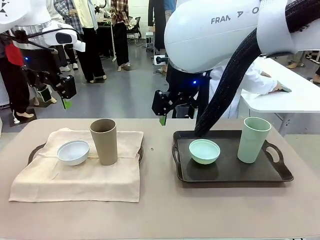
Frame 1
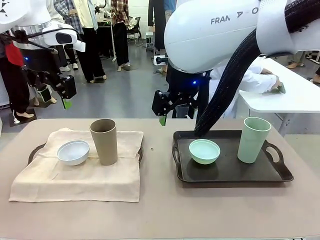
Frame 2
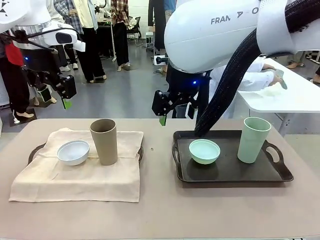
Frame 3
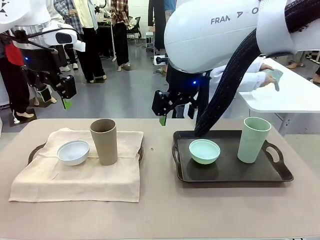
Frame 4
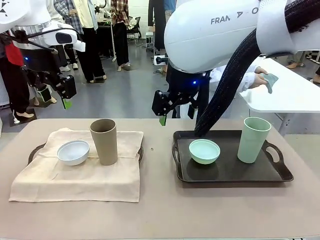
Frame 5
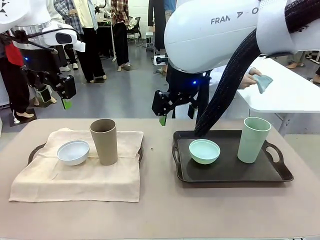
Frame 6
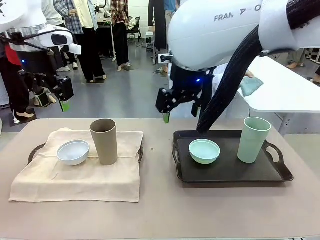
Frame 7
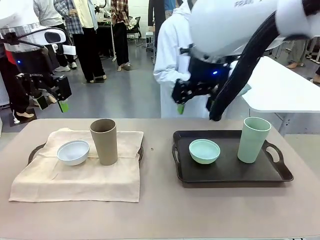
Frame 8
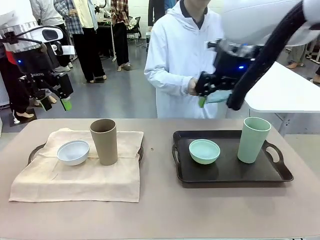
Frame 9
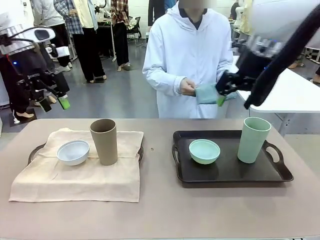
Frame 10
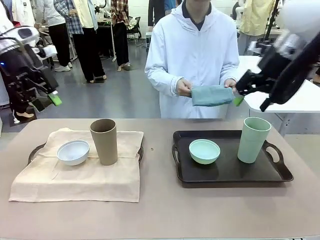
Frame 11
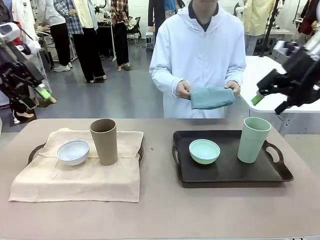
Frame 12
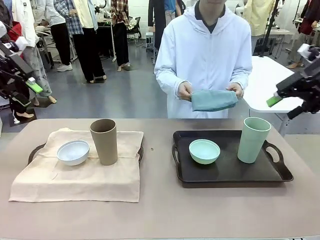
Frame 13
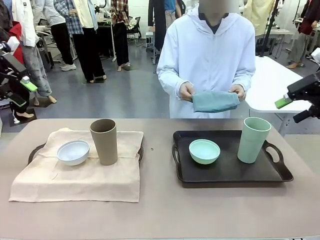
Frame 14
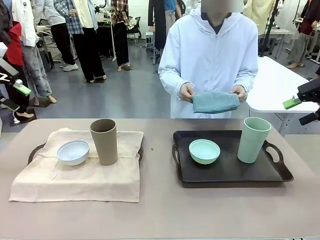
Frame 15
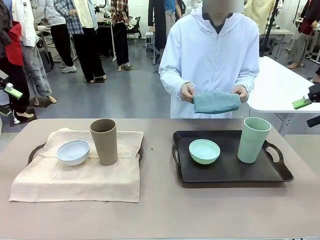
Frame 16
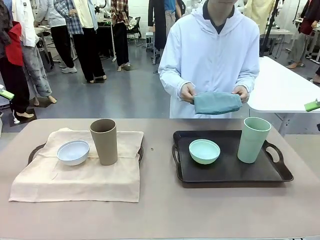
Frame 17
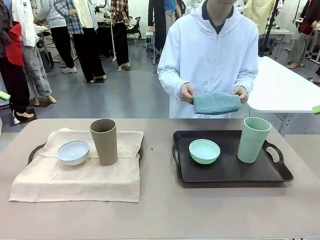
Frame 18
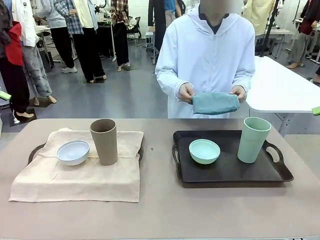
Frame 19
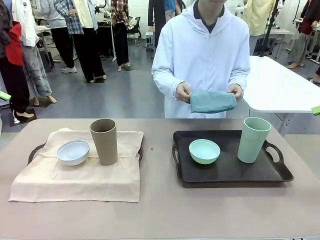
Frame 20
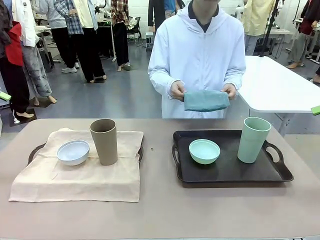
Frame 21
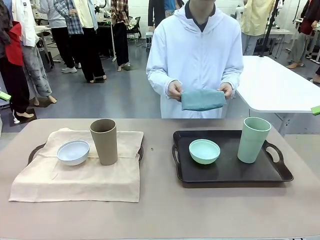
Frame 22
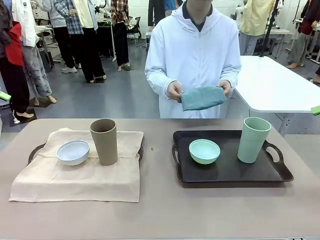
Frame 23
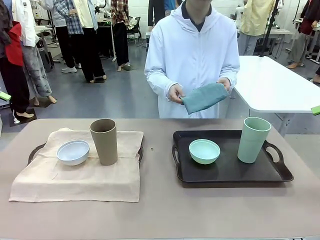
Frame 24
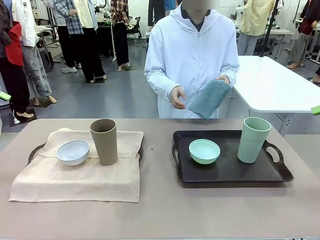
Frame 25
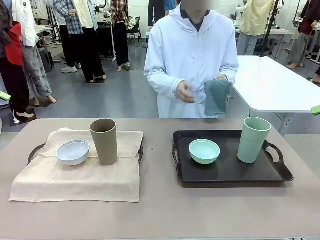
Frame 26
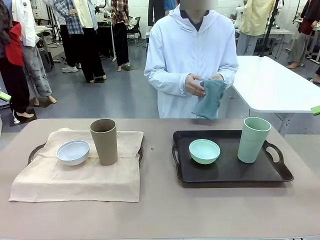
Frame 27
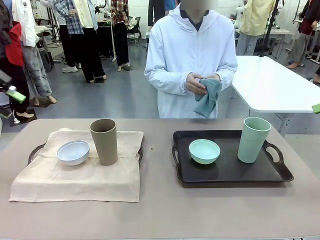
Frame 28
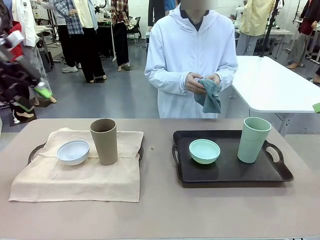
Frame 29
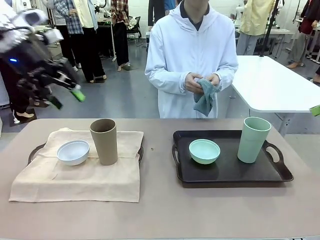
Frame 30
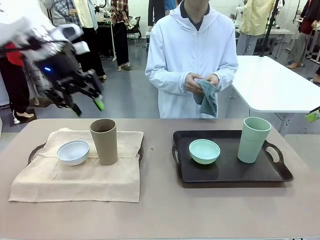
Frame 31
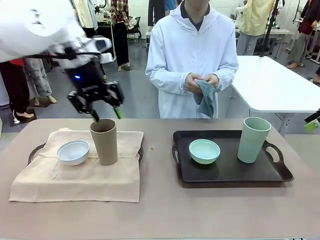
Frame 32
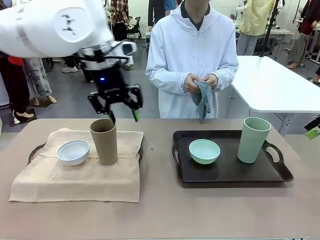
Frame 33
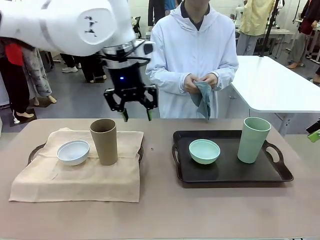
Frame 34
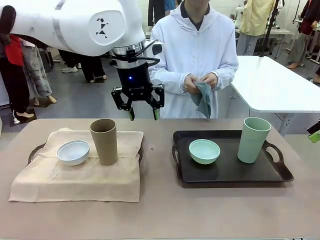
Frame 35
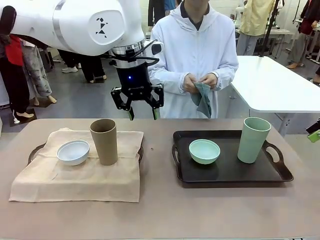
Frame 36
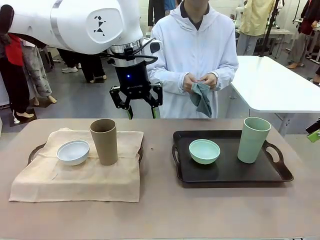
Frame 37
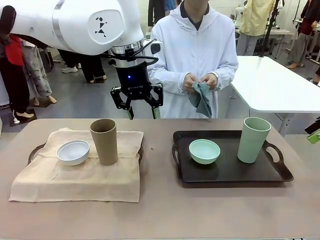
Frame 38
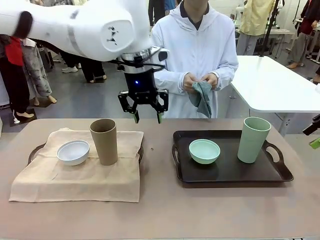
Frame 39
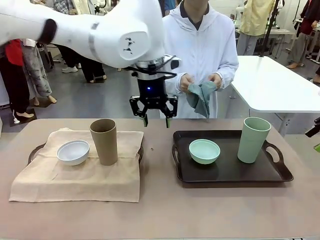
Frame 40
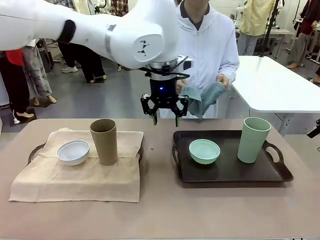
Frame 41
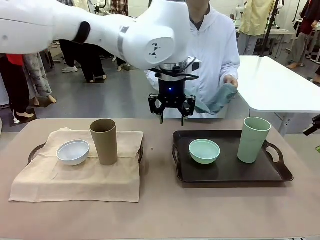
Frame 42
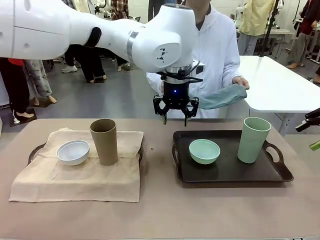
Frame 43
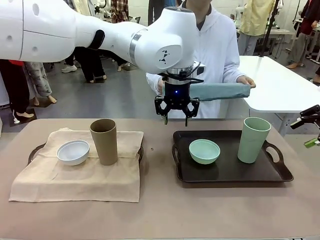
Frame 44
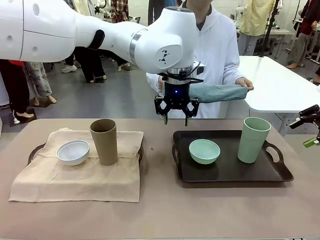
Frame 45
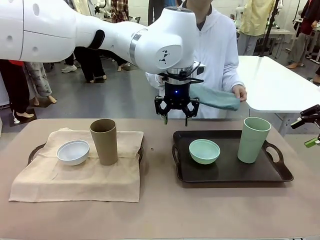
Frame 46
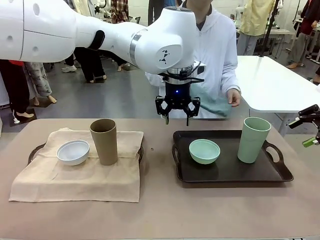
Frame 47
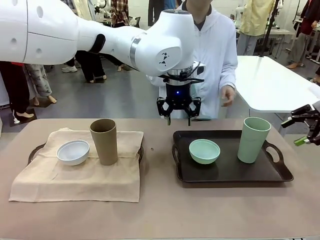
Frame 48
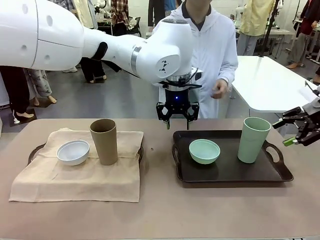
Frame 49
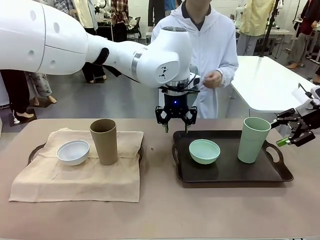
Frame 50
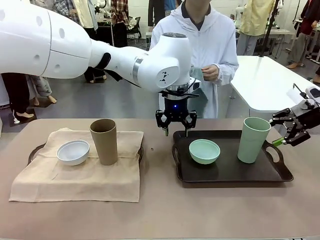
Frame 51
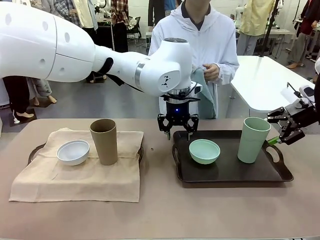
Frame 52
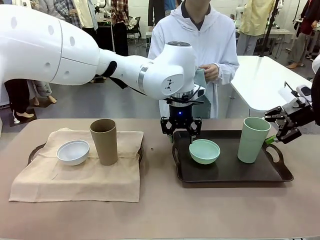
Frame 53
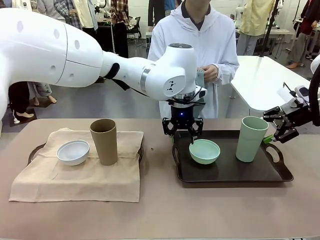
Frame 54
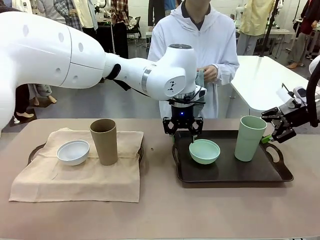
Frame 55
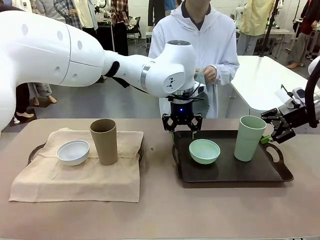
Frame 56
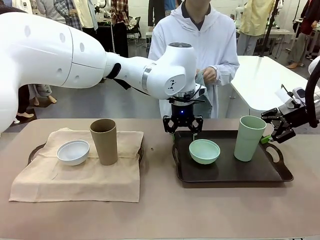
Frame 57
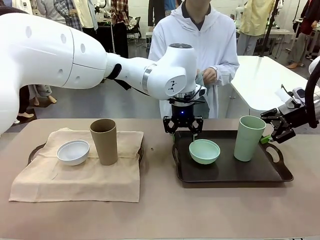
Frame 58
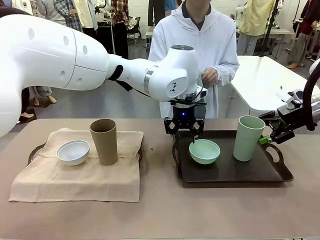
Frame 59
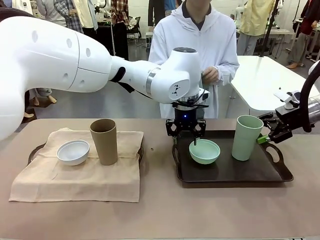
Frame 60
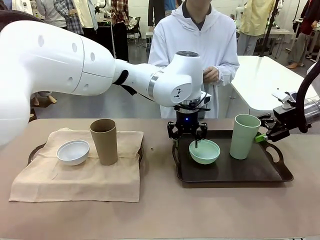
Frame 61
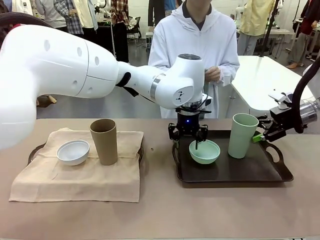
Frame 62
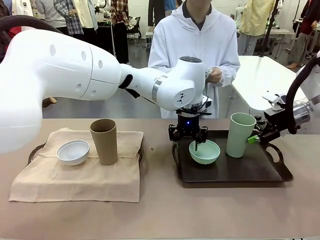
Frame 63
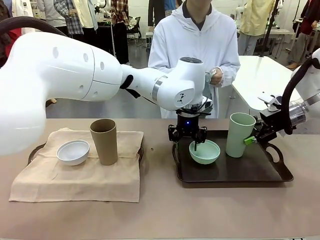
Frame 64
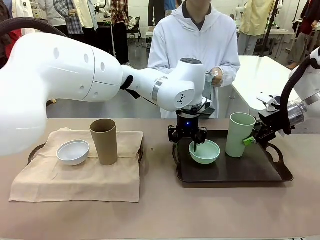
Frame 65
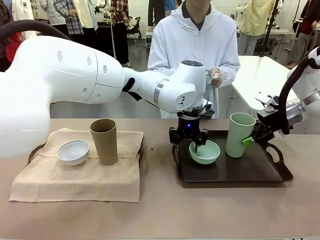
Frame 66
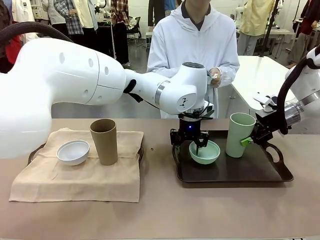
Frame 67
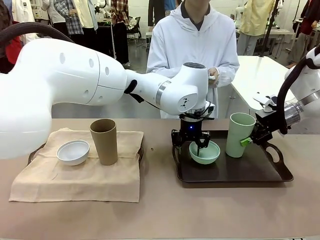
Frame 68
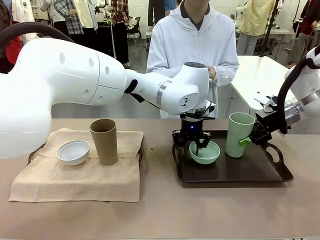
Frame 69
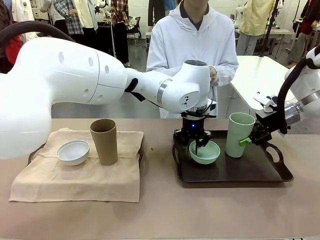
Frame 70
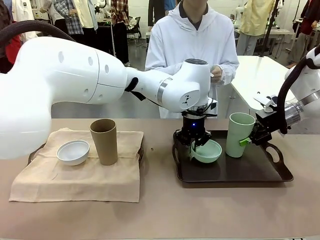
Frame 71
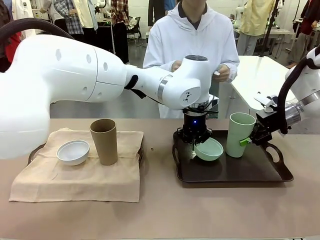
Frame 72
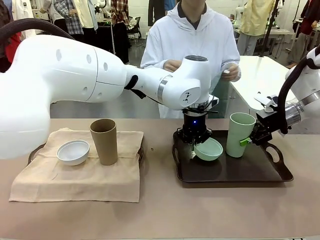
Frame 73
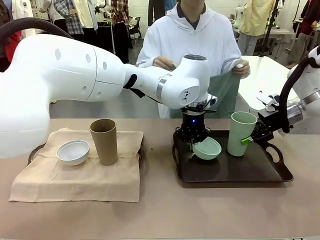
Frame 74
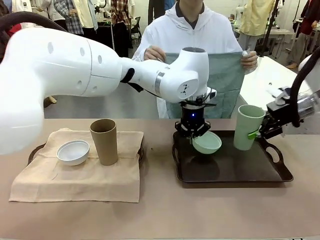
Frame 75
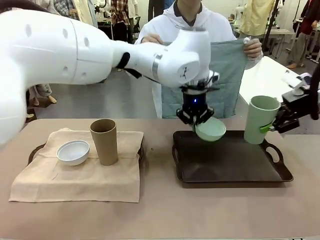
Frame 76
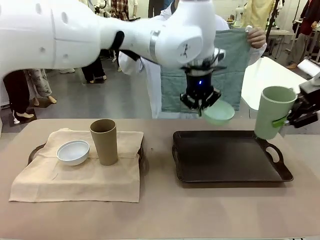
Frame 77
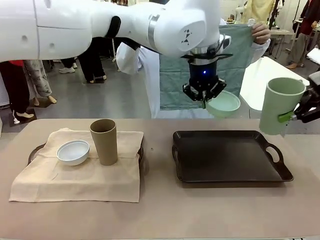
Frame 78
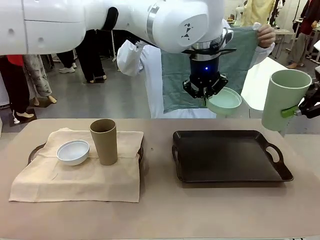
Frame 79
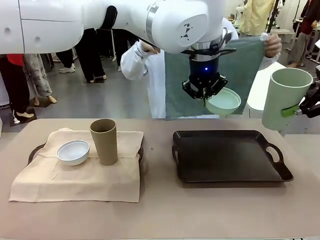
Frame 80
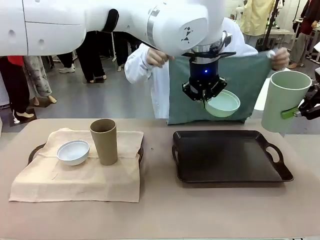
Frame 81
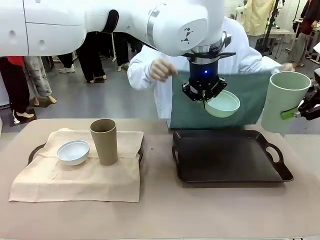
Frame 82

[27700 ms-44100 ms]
Robot: Pick up the Picnic Bowl and Reusable plastic cup from the Handle tray in front of the human's position and hold them in the air.
Person: When the robot lifts the bowl and the cup, the human unfolds the napkin and lays the napkin flat on the tray.

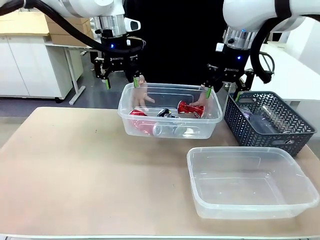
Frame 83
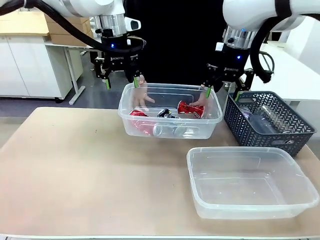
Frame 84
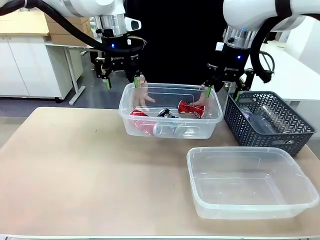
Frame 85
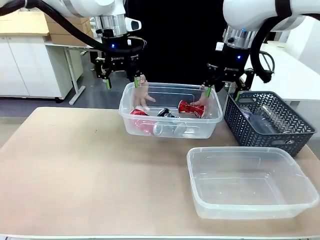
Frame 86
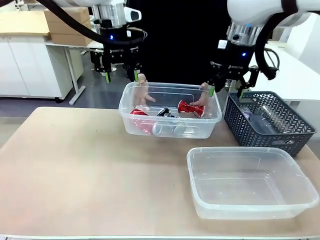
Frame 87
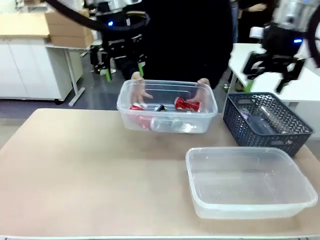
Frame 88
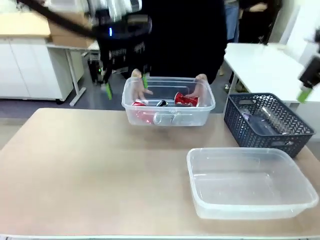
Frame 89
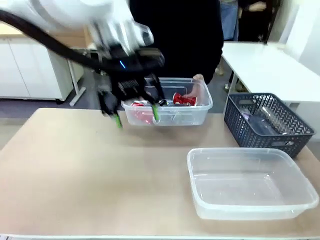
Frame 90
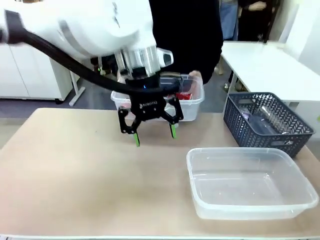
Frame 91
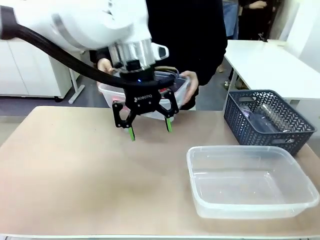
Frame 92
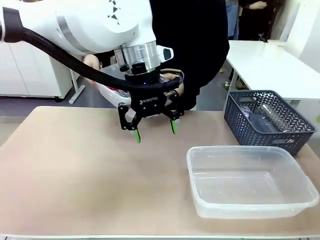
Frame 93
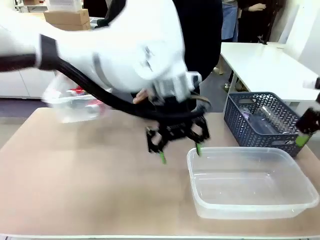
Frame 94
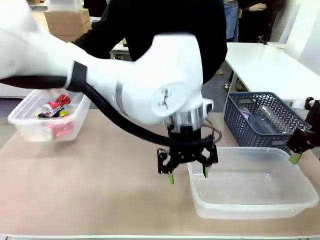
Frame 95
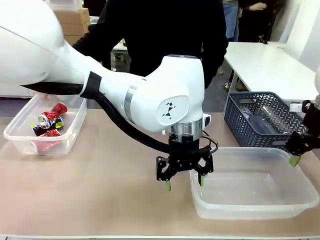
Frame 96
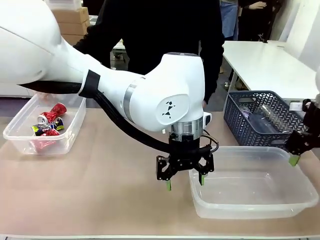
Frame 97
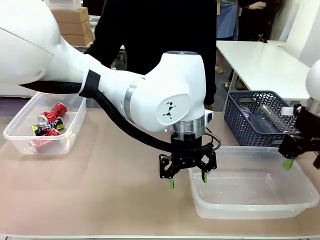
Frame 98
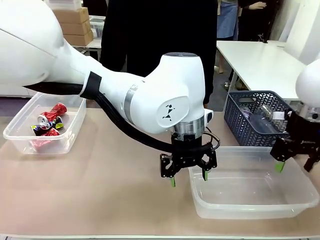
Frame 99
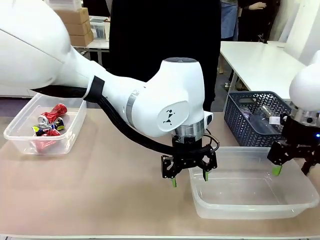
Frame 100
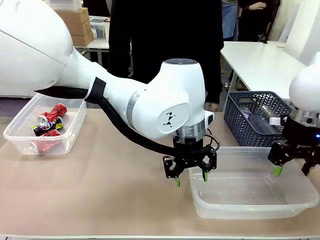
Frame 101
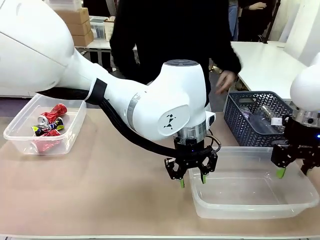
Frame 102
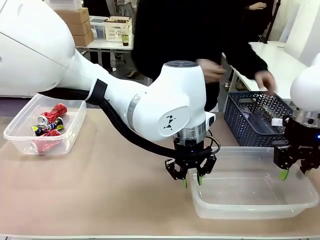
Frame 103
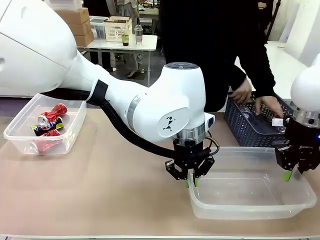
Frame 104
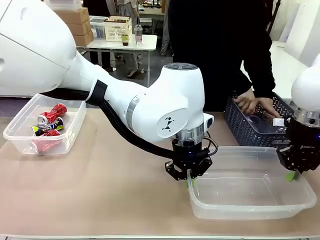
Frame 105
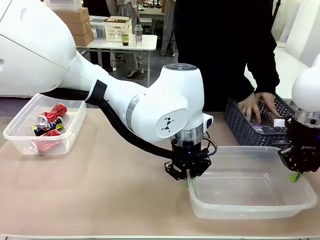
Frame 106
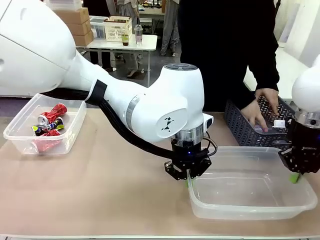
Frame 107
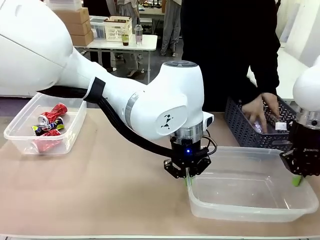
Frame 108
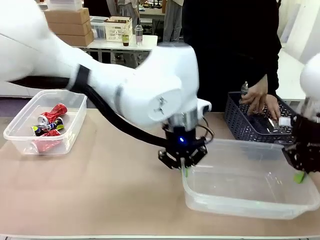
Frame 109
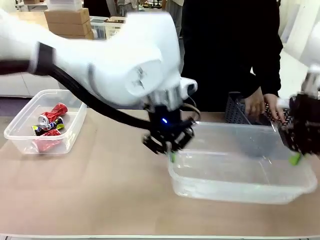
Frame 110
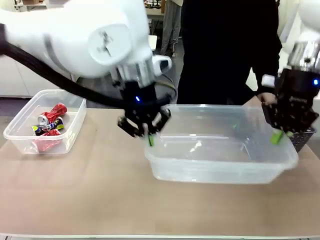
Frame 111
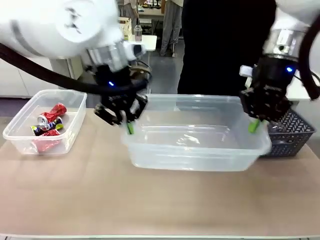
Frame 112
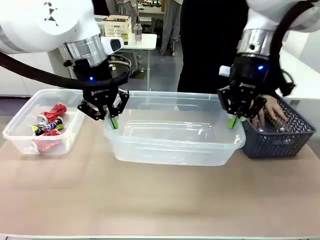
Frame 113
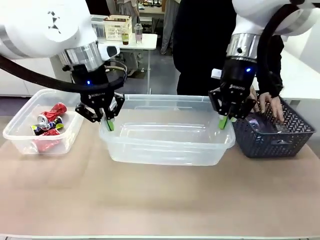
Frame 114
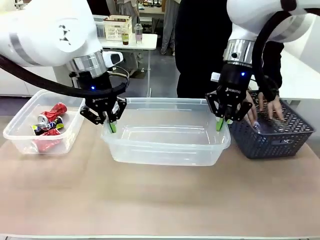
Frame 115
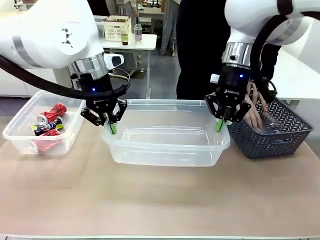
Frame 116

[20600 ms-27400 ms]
Robot: Pick up the Organizing box on the right side of the table and lift it.
Person: Place it at the edge of the bottom right area of the robot table.

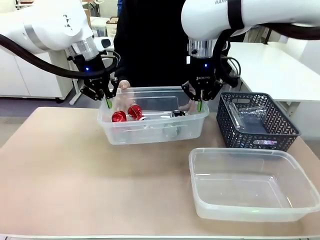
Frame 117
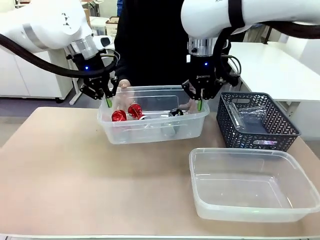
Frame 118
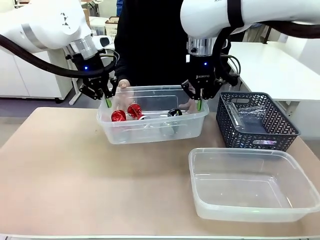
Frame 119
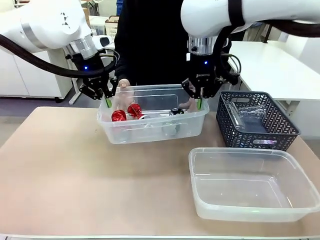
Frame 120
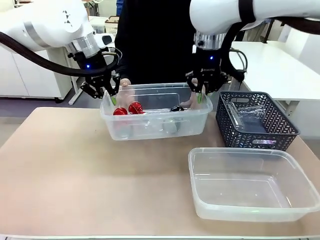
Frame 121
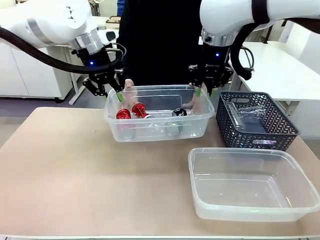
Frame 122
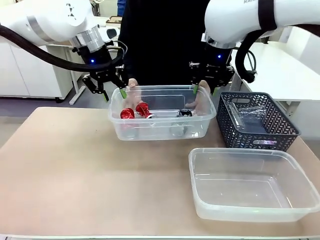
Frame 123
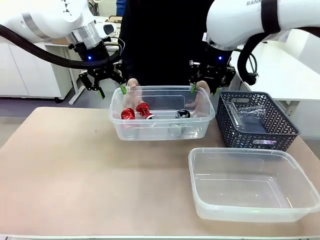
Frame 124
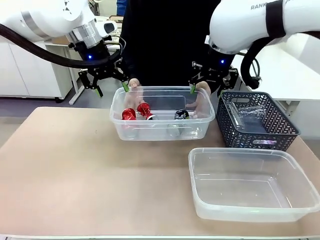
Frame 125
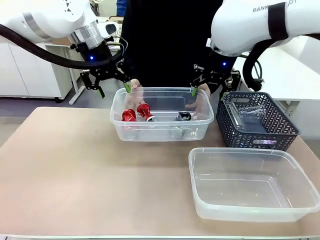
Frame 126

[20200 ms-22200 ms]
Robot: Release the Organizing box you were holding.
